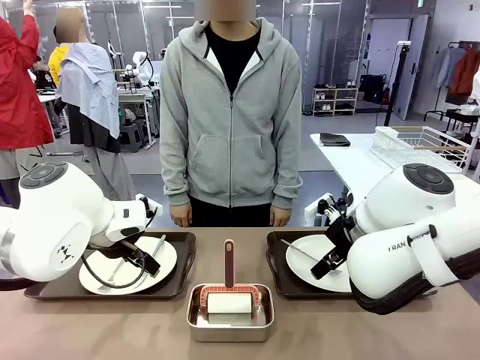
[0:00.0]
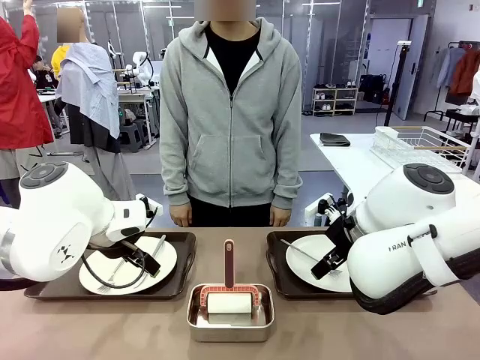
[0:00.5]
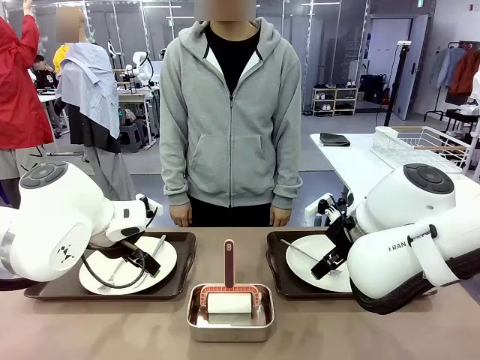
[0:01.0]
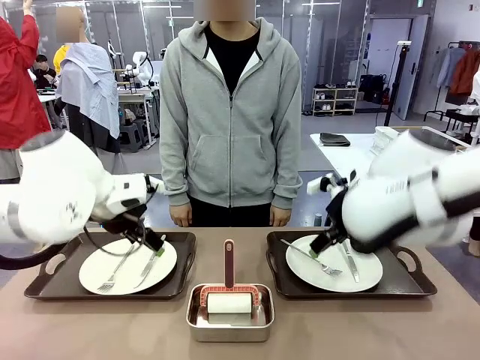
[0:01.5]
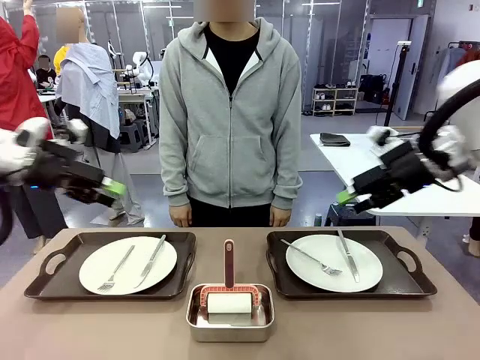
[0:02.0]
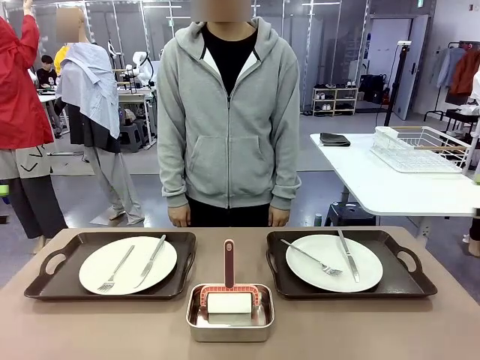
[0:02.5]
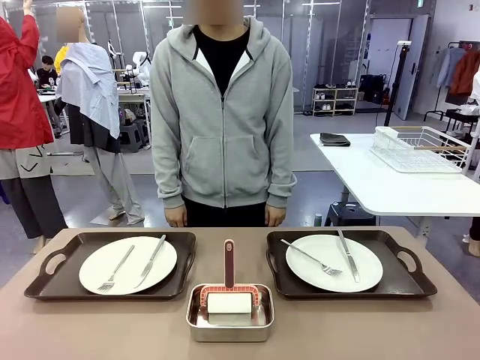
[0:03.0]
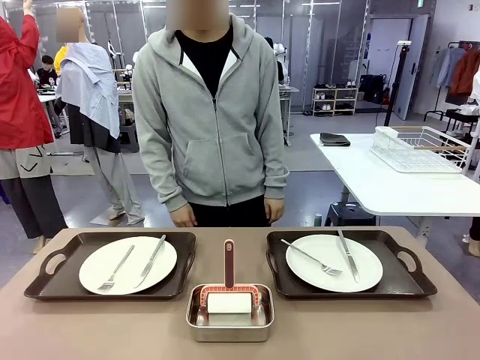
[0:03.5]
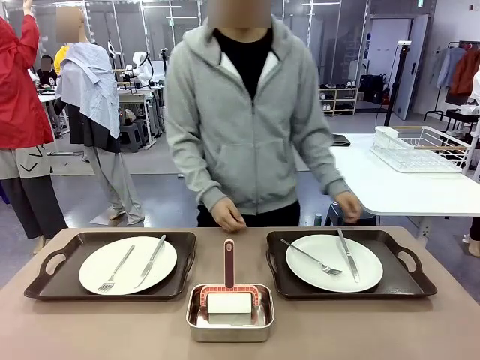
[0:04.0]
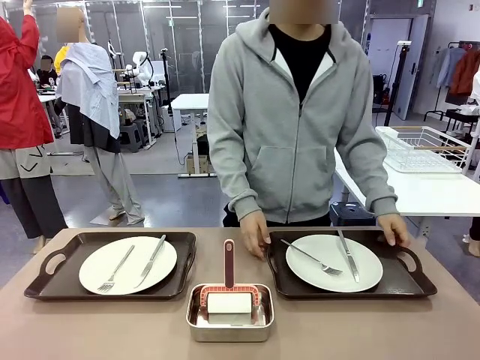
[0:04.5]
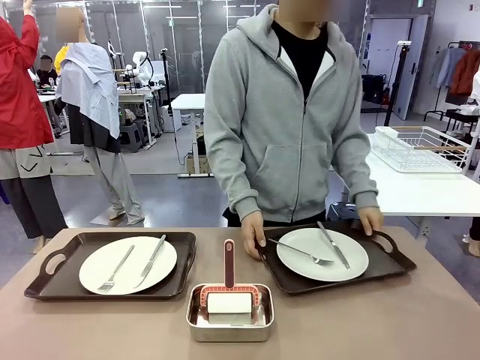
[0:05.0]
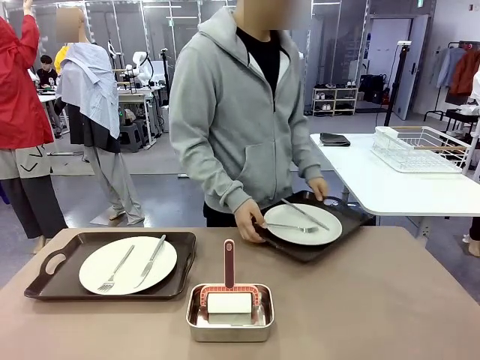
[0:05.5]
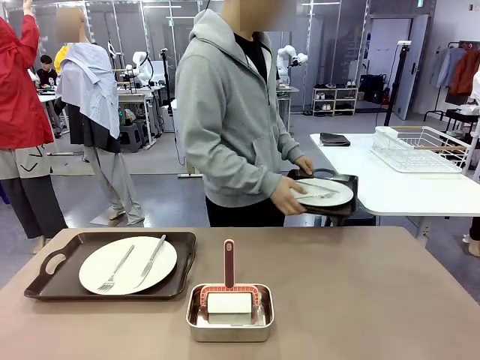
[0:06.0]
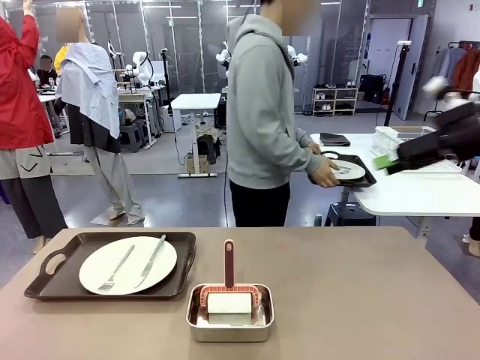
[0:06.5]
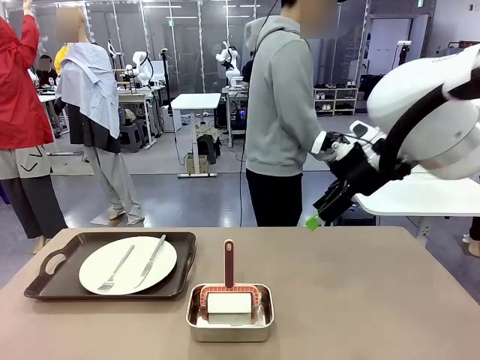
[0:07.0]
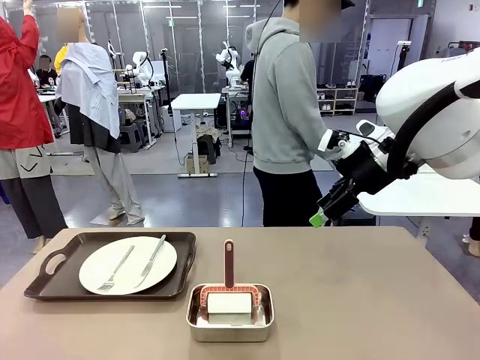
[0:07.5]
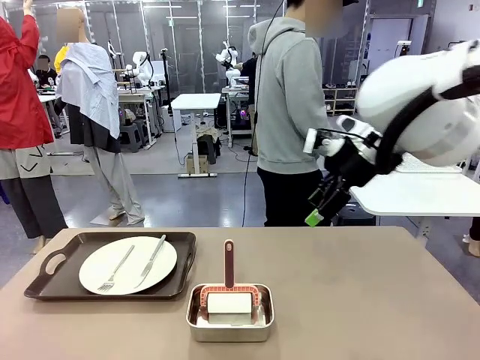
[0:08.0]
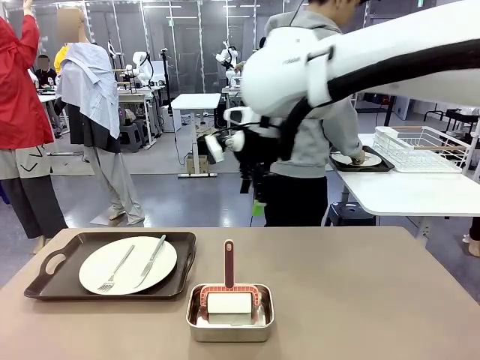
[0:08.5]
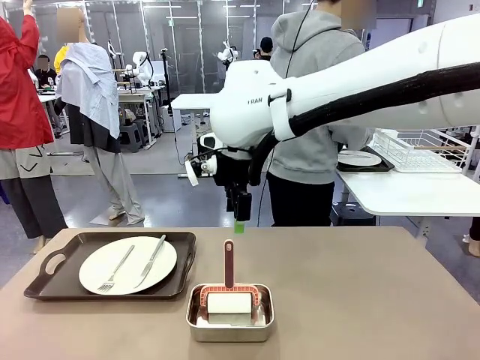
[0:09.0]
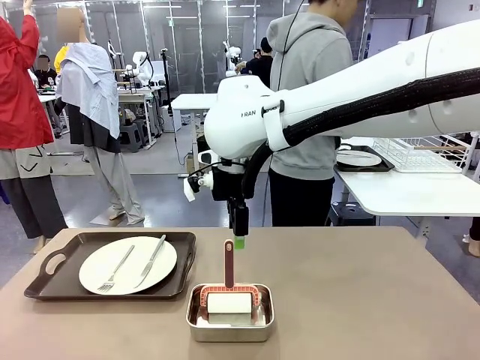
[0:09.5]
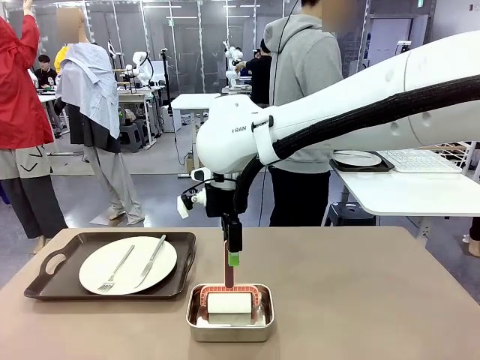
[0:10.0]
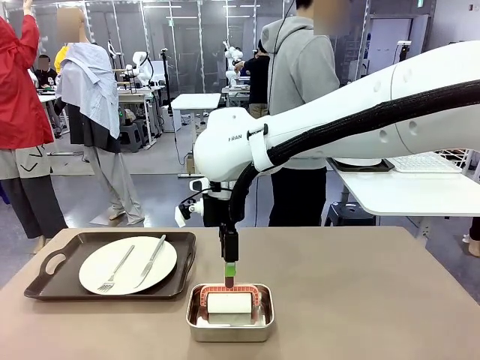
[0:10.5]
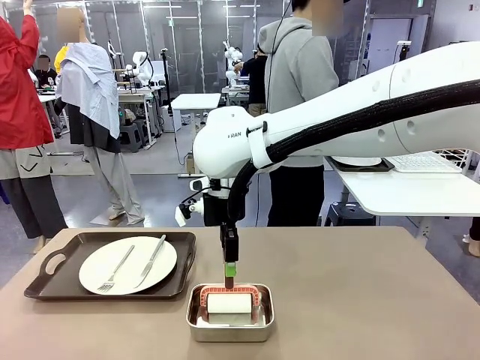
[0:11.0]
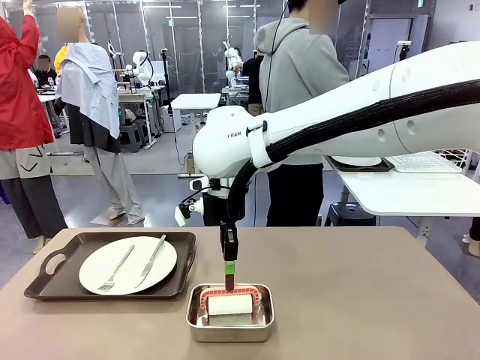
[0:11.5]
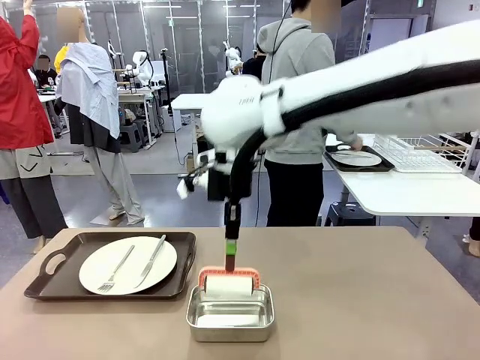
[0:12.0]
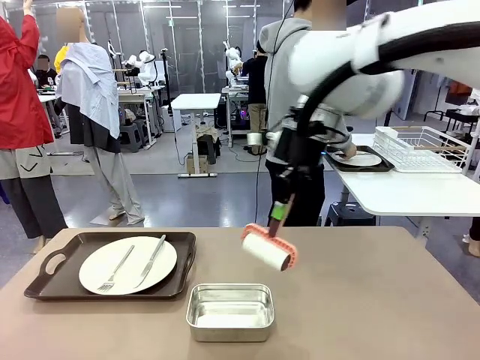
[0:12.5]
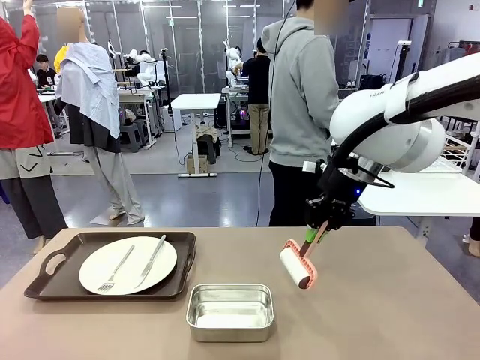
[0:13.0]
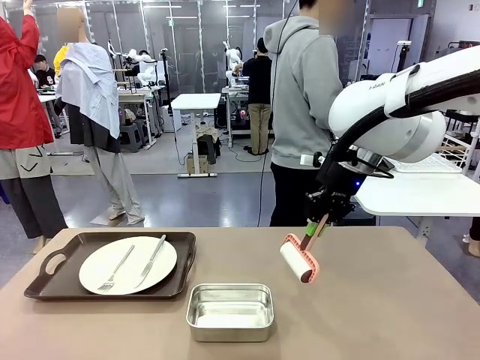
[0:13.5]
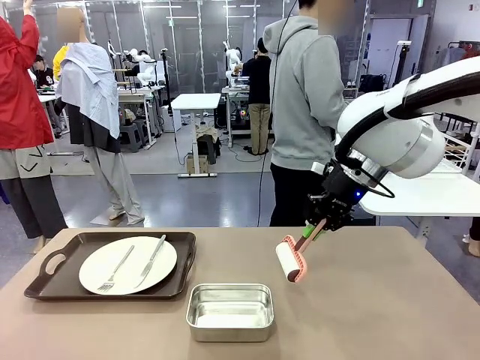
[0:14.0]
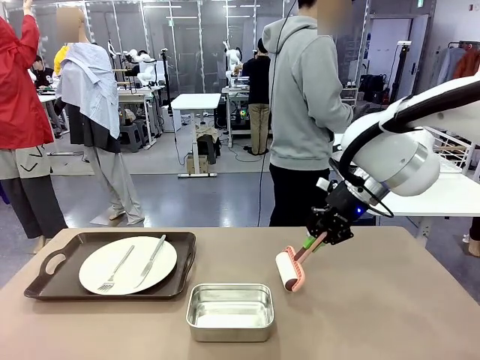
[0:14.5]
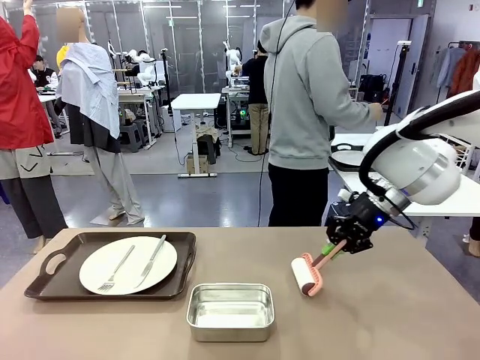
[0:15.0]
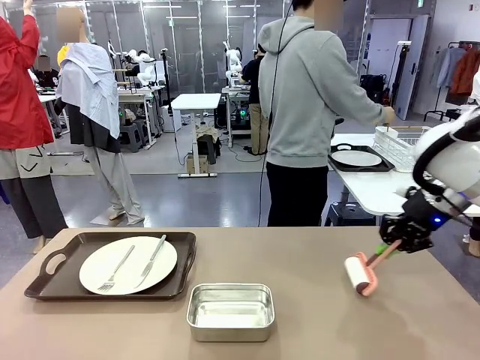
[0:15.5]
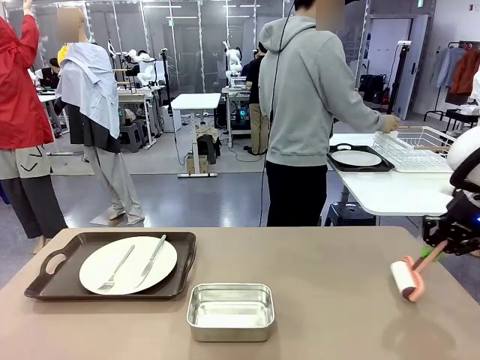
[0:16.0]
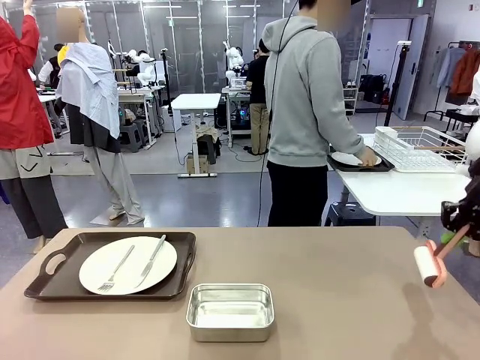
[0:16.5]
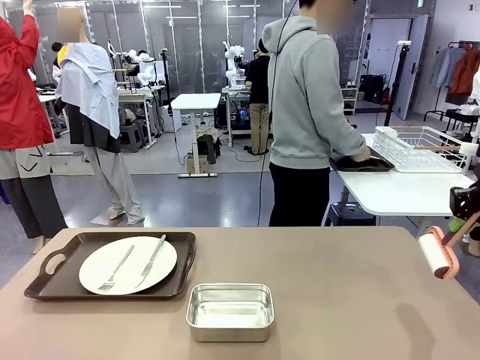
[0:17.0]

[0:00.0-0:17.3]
Robot: When the left (or right) Handle tray is removed, use the left hand (or right hand) to clean the left (or right) side of the table with the Lint Roller.
Person: Pick up the left (or right) Handle tray and place it on the middle of the Human's table. Use the Towel with hook to wipe the Plastic Matte Plate , Fork , and Knife and place into the Dish drying rack.

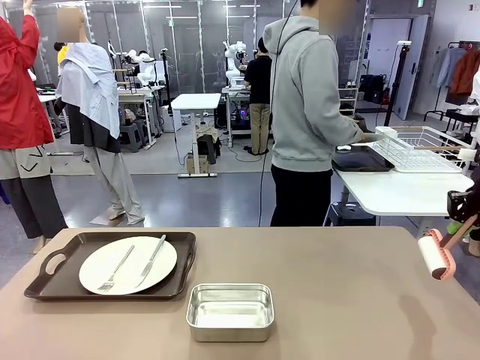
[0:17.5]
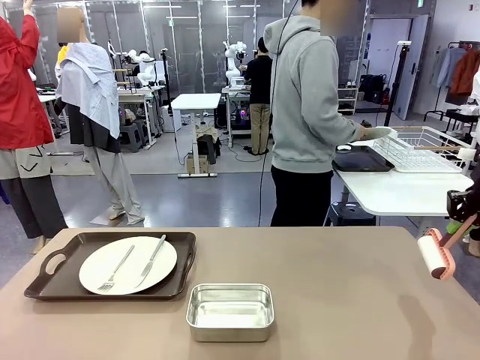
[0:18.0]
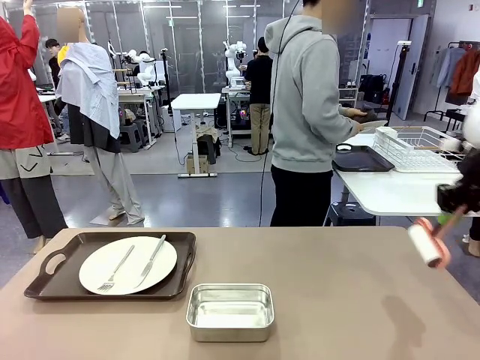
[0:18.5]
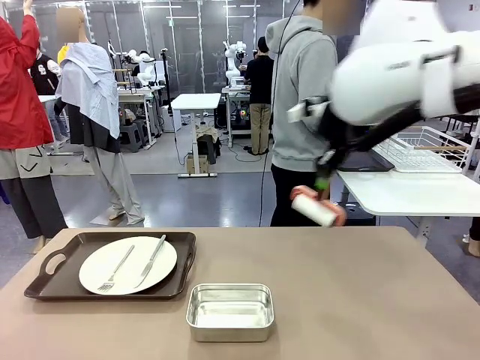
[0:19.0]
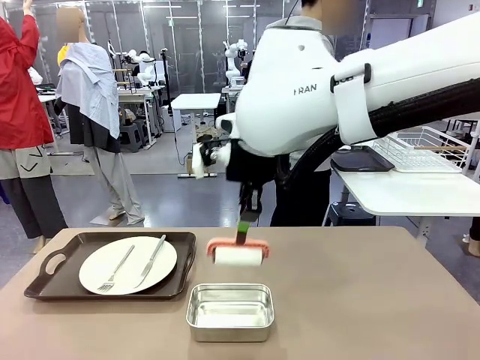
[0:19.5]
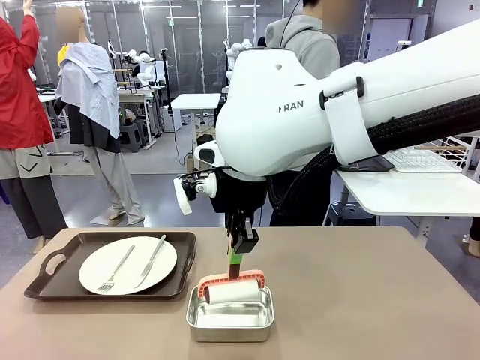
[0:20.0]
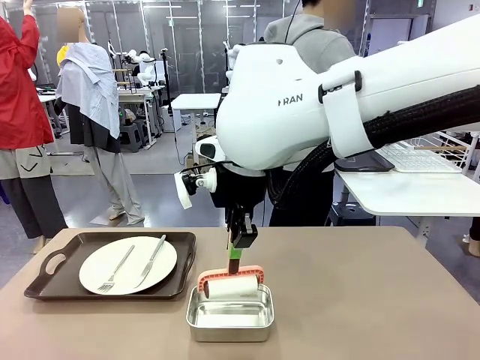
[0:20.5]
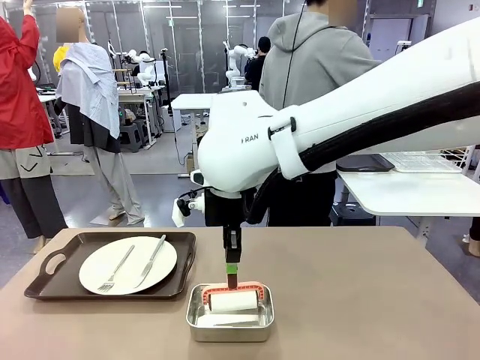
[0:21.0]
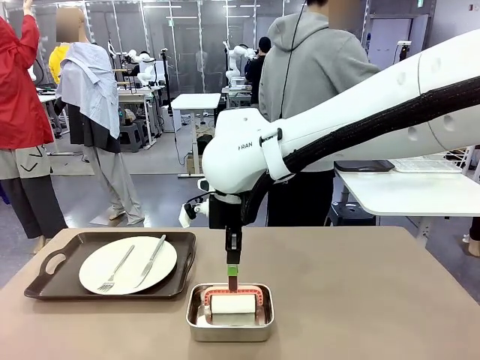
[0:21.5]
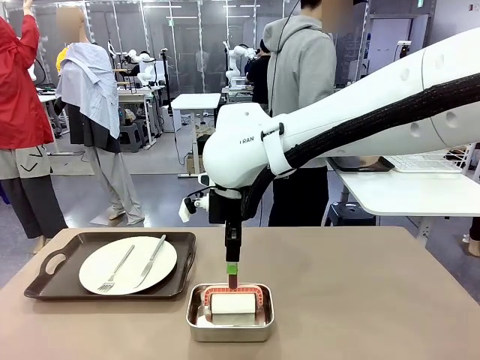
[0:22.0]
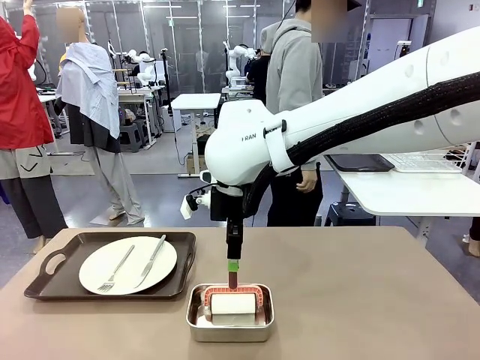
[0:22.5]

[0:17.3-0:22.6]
Robot: Place the Lint Roller back on top of the Airtight Container.
